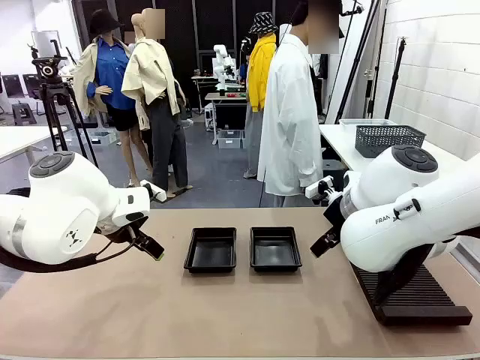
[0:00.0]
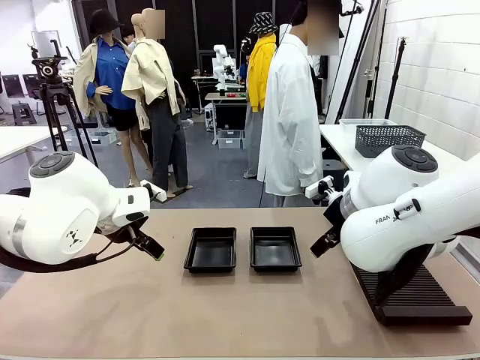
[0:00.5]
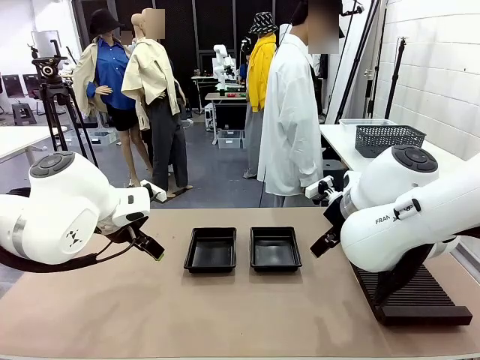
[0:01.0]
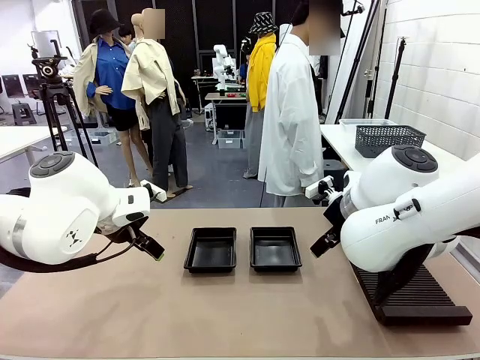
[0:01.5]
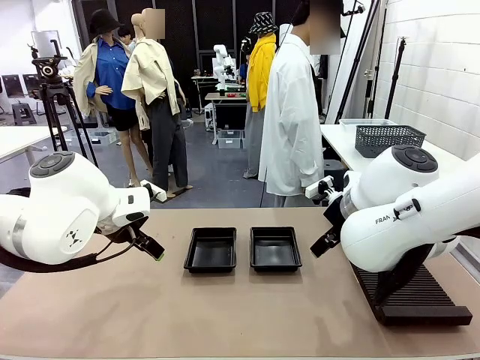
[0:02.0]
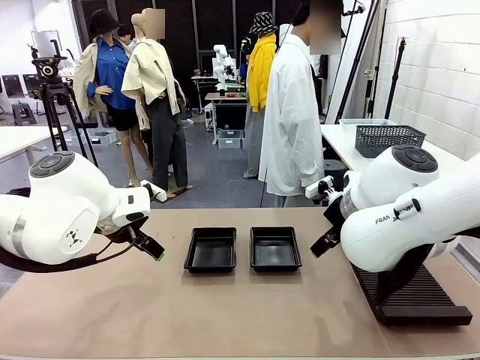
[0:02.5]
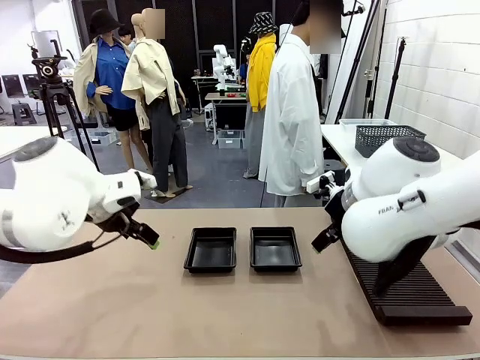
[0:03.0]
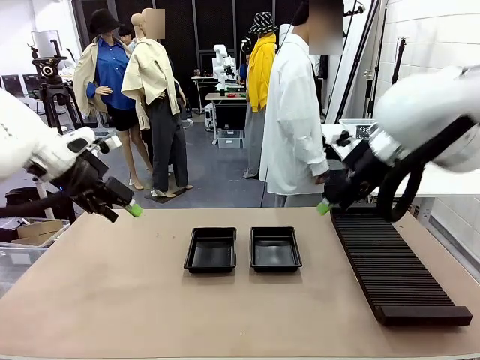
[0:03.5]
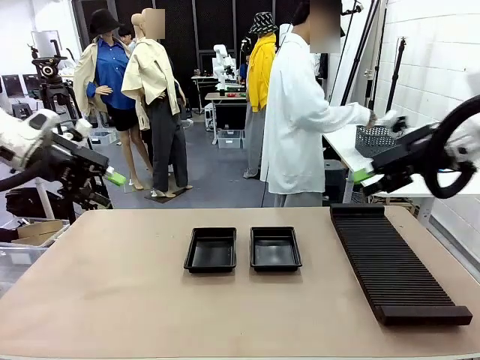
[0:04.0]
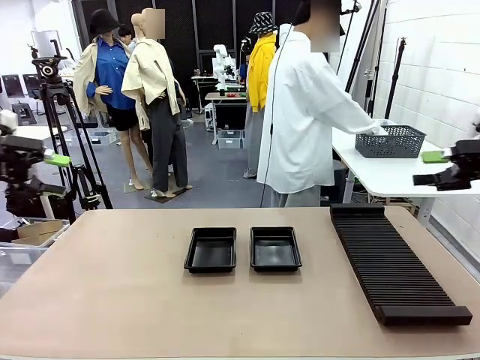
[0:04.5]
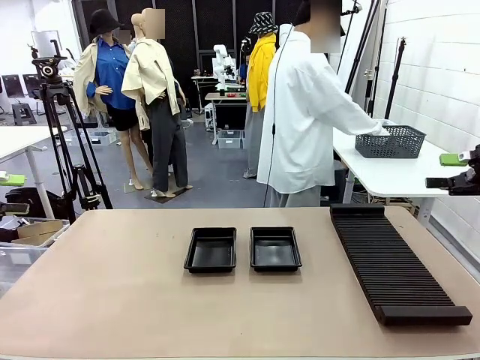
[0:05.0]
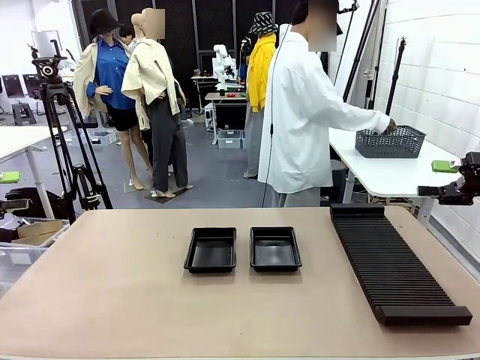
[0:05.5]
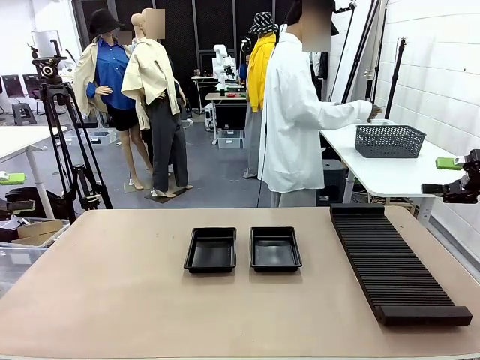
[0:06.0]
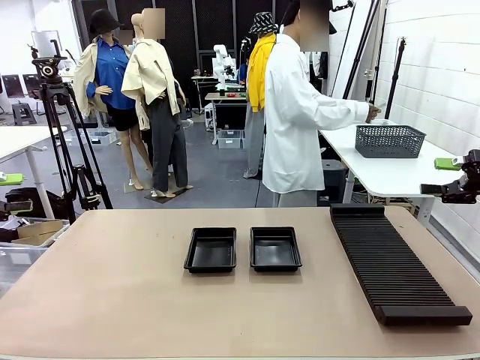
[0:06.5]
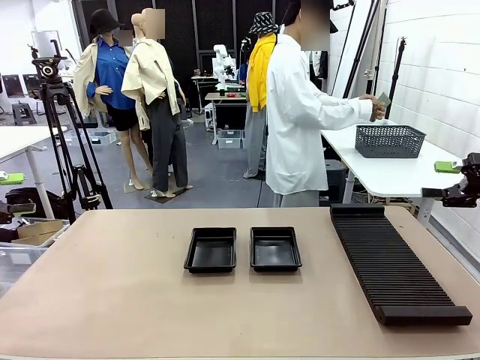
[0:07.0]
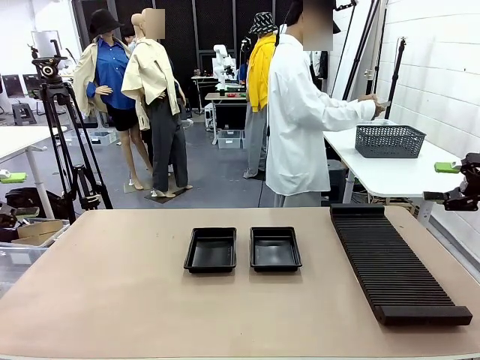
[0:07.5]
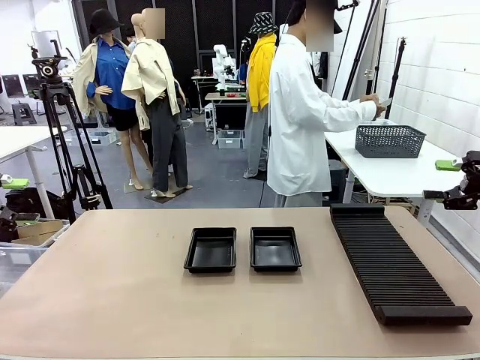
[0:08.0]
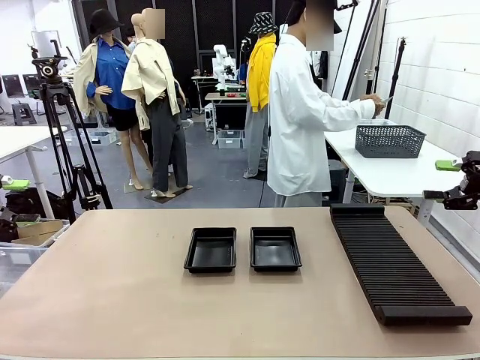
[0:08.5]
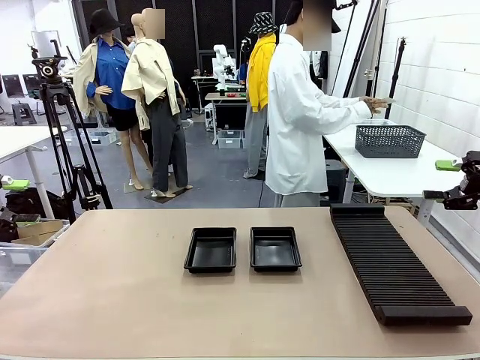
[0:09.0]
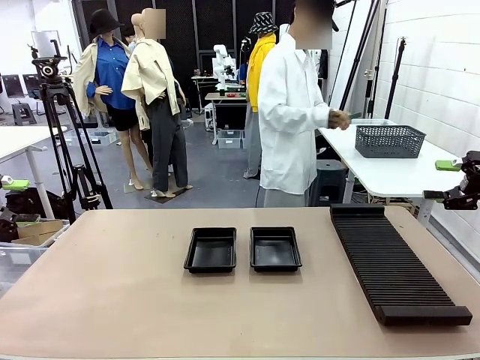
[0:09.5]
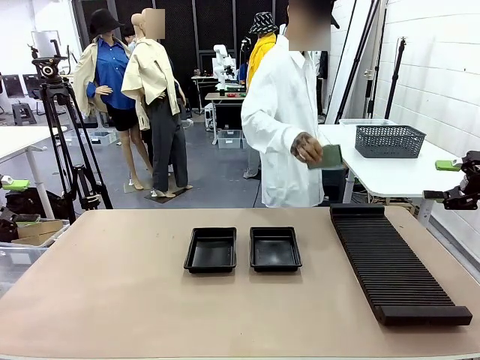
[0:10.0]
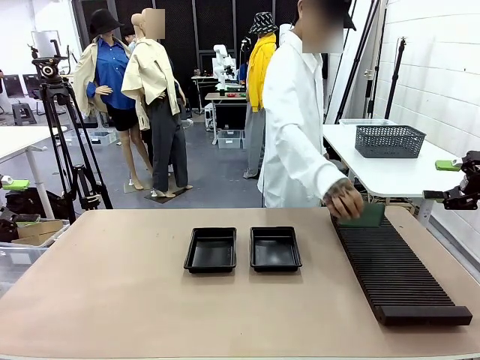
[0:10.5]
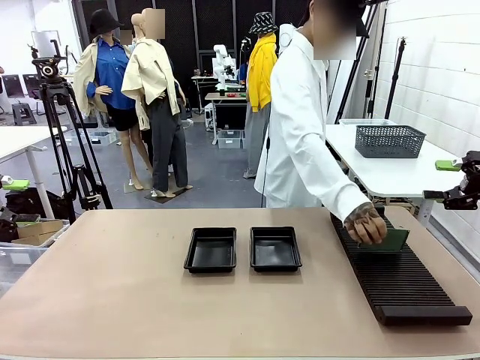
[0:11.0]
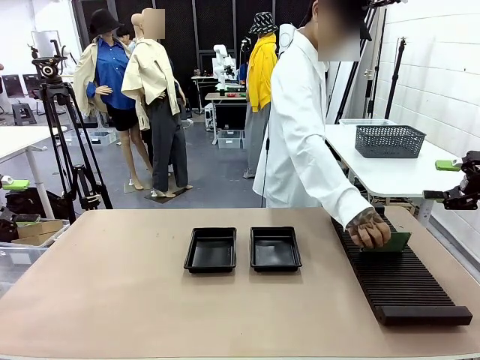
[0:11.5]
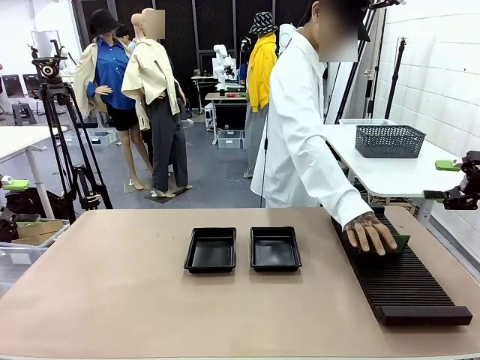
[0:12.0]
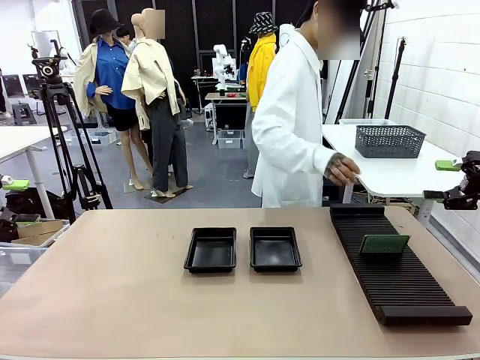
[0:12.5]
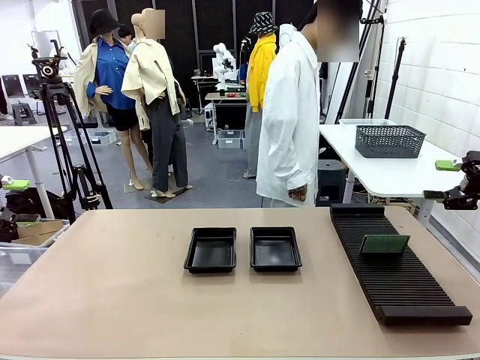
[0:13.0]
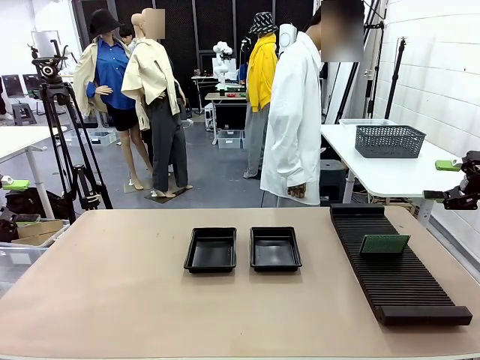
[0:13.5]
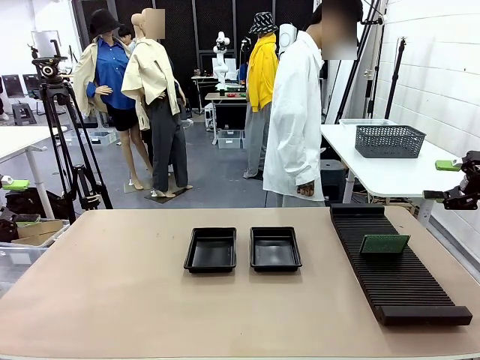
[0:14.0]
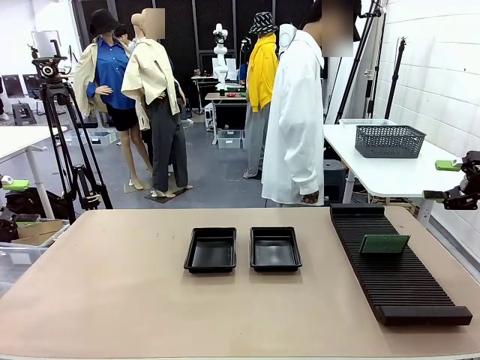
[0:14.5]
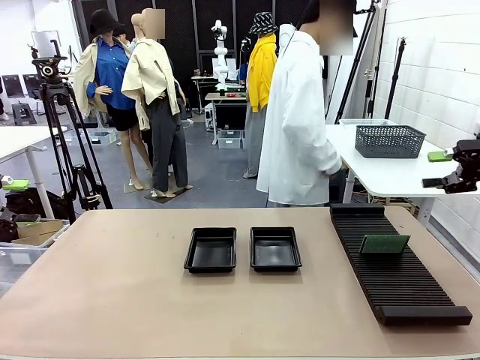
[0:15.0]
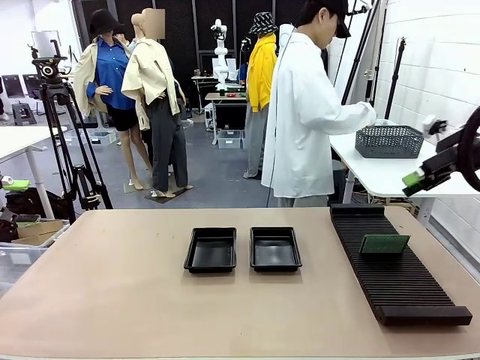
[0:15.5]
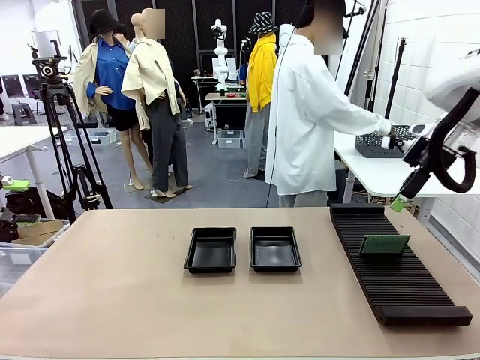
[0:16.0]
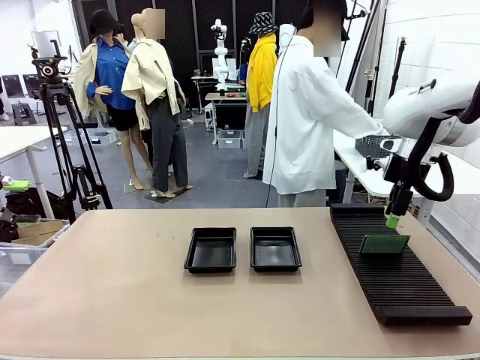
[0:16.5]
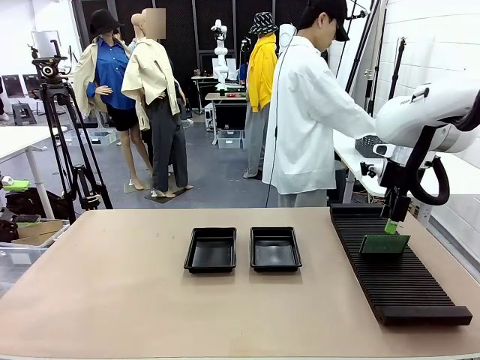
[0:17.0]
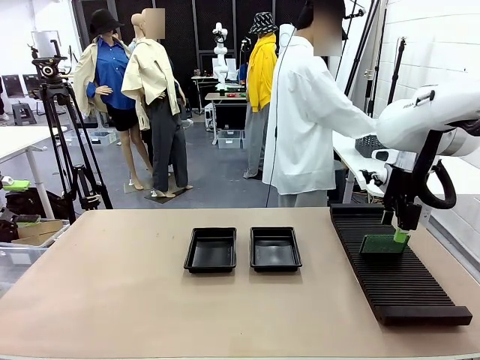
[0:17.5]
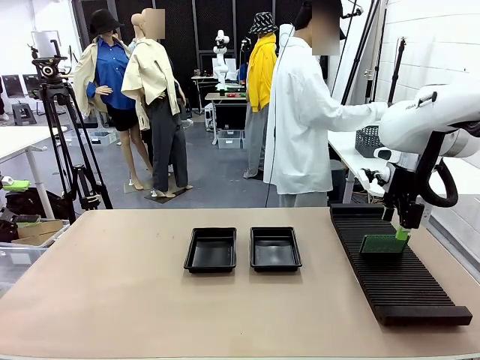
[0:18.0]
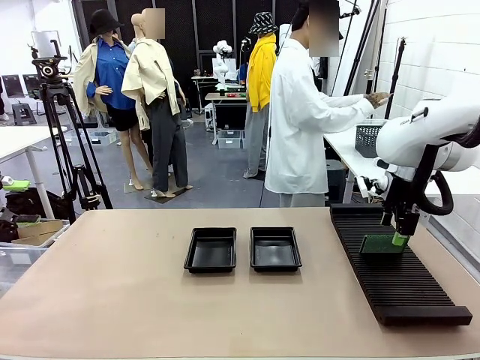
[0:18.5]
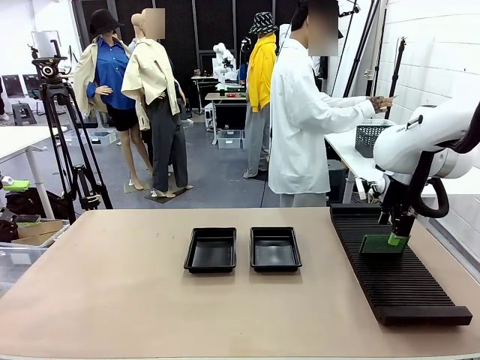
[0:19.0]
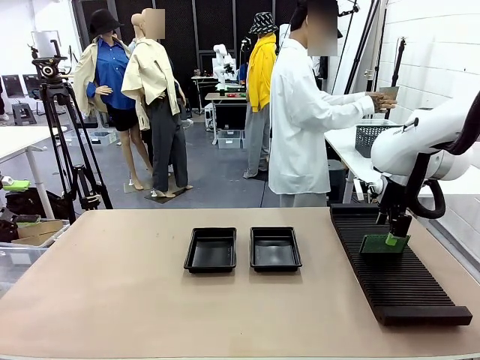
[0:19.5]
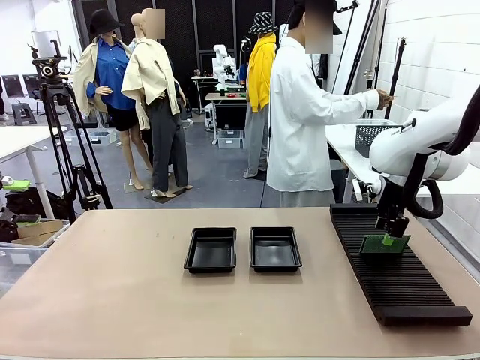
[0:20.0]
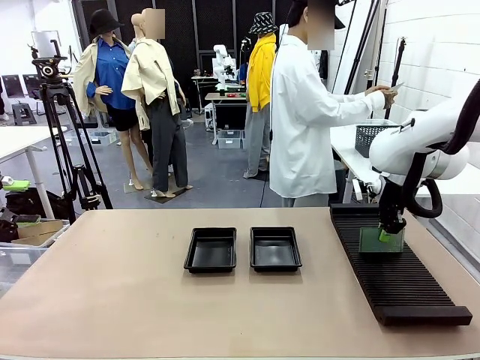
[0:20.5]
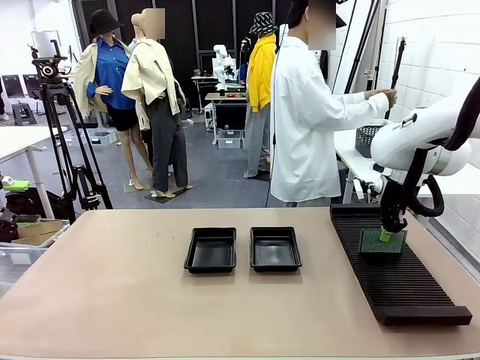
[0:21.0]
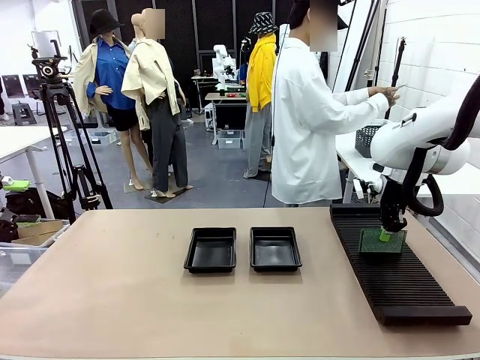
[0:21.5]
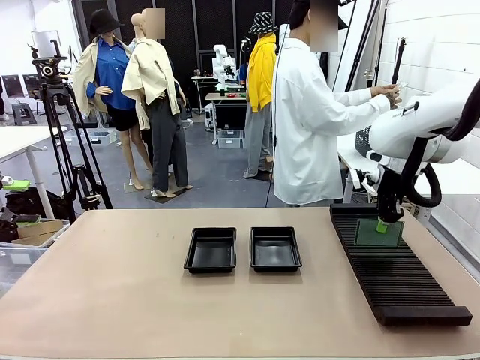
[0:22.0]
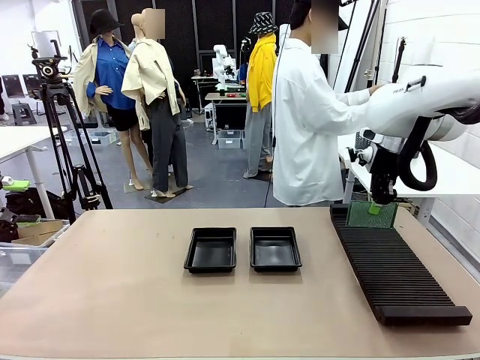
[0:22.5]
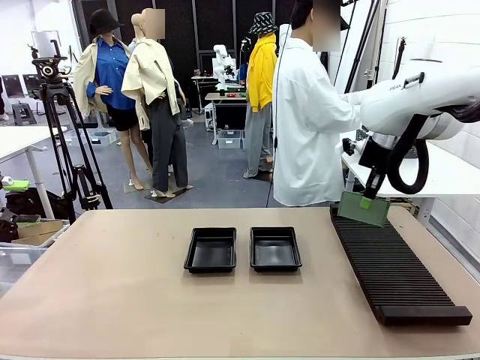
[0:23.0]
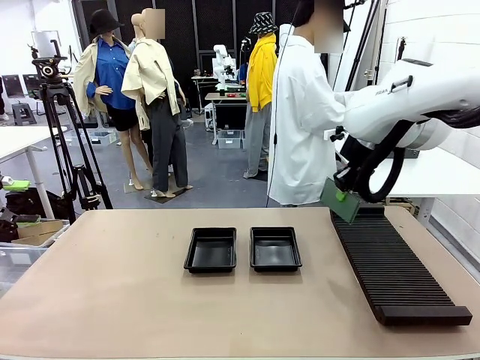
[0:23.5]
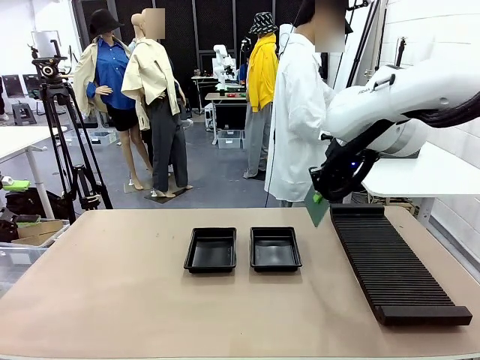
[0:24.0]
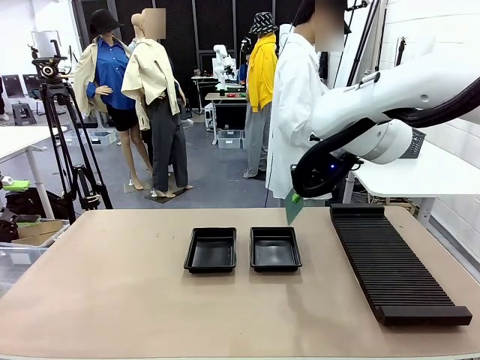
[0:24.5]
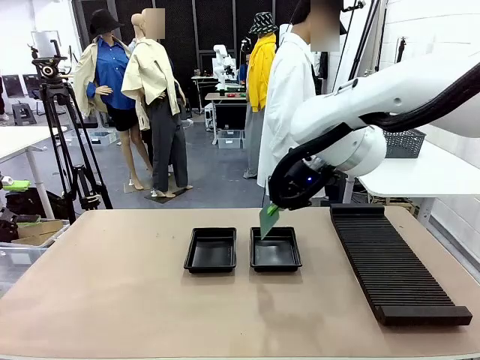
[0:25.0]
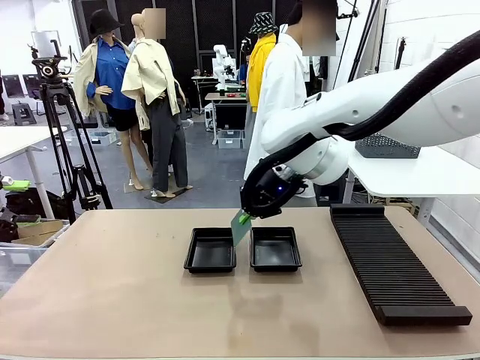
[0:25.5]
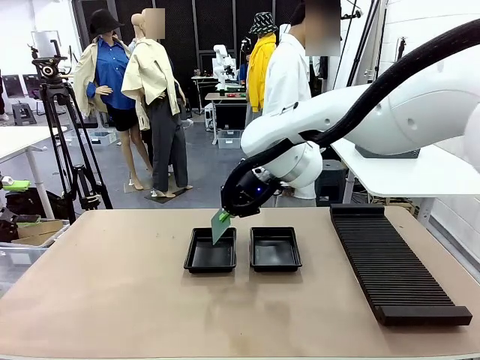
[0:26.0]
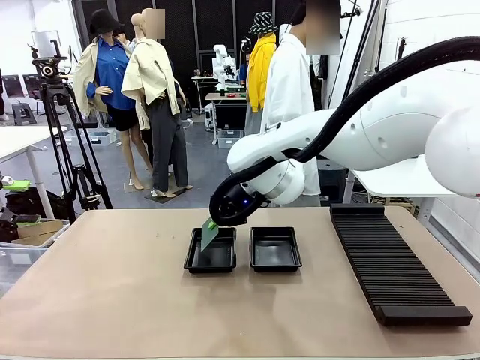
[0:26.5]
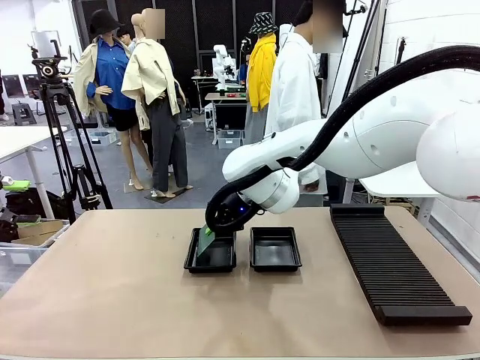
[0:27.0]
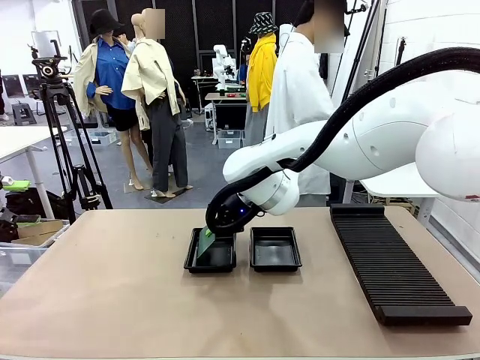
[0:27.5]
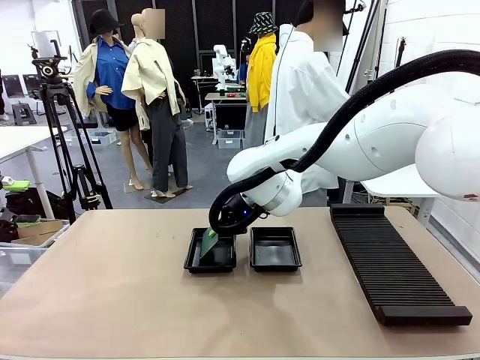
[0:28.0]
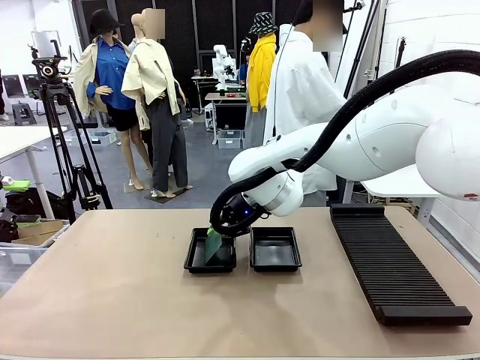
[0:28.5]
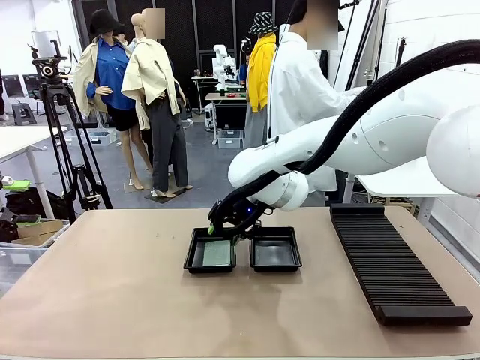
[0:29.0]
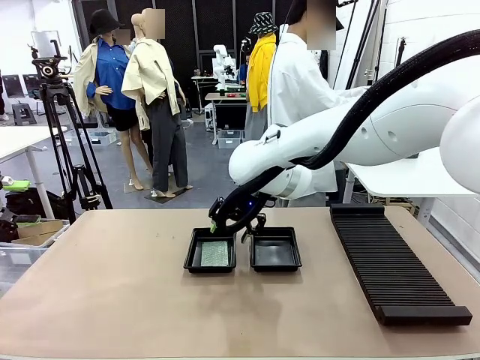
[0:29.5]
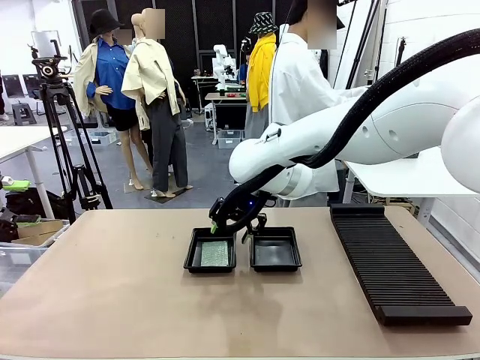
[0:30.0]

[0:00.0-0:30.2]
Task: Inspect and transfer BCBs to ESD trays.
Robot: Pick up the Blank PCB from the PCB Rack and place it in the left ESD tray.
